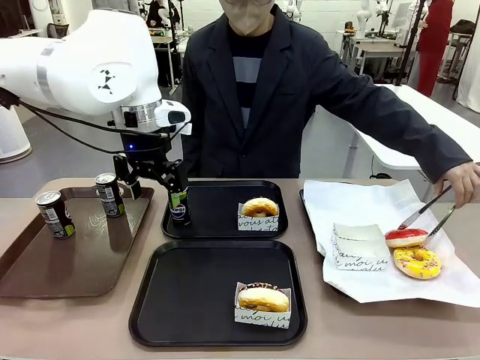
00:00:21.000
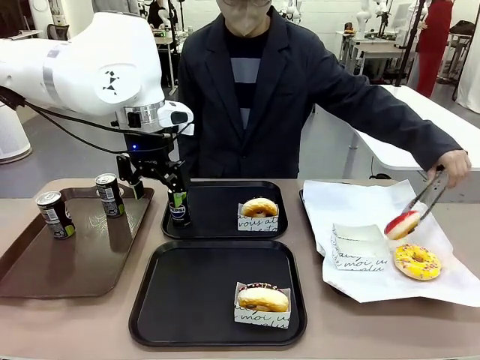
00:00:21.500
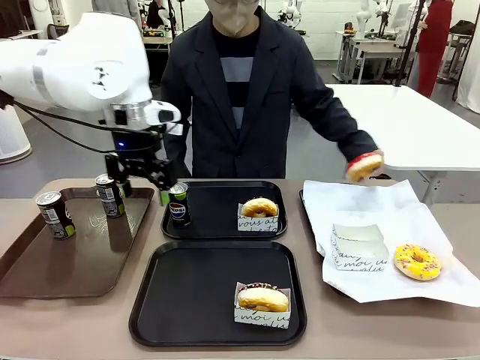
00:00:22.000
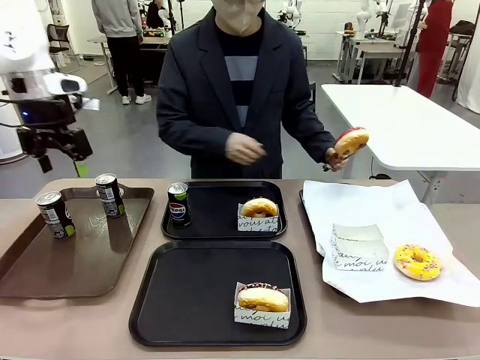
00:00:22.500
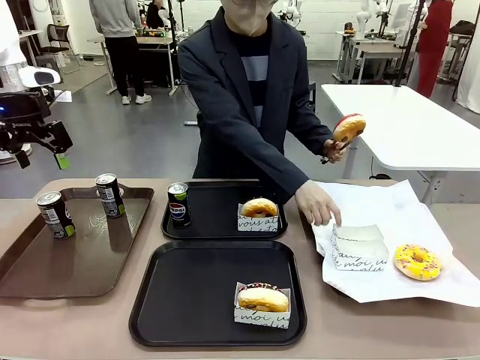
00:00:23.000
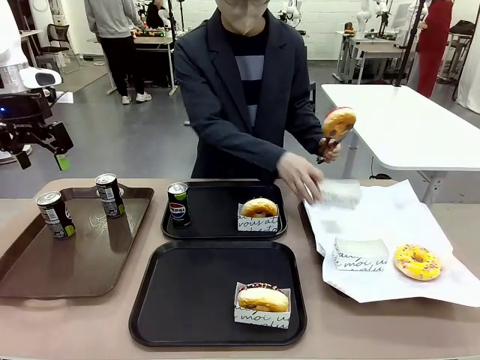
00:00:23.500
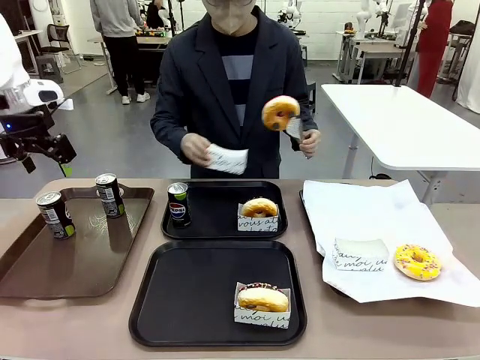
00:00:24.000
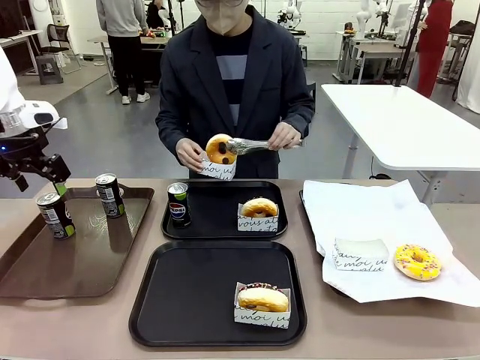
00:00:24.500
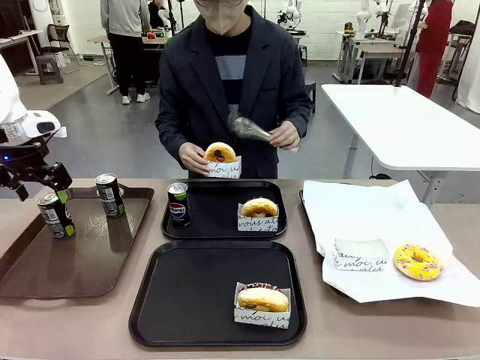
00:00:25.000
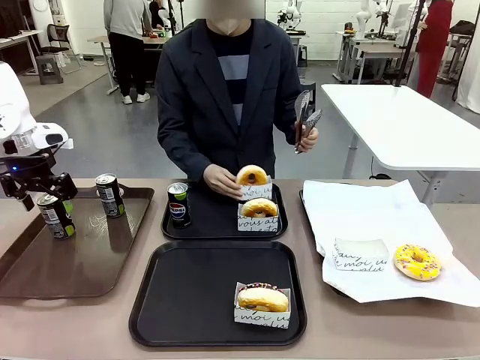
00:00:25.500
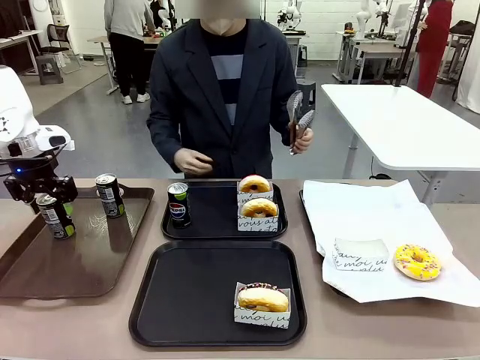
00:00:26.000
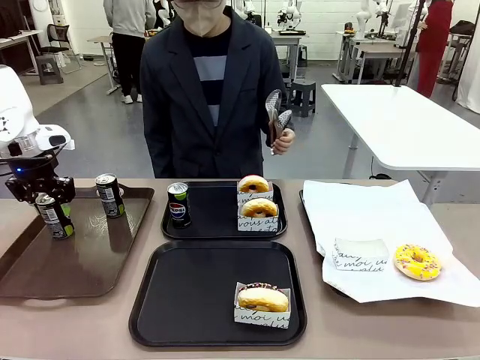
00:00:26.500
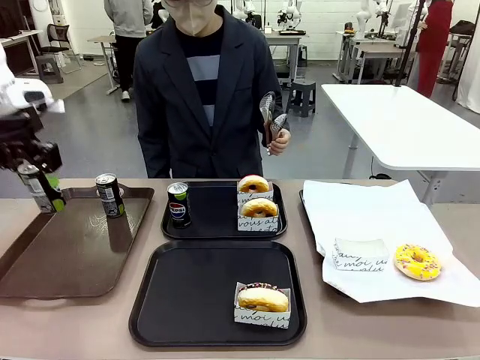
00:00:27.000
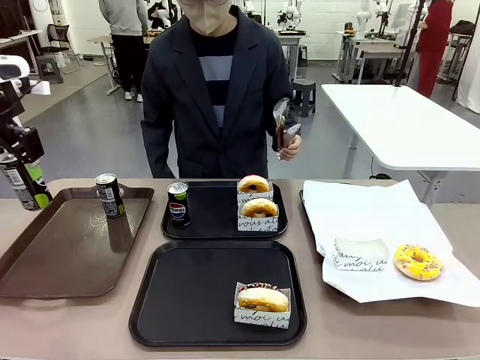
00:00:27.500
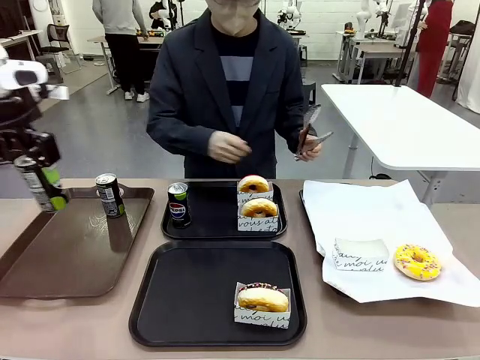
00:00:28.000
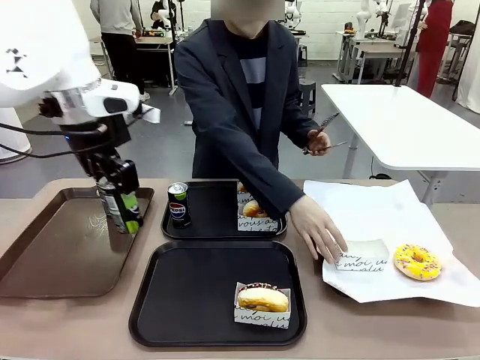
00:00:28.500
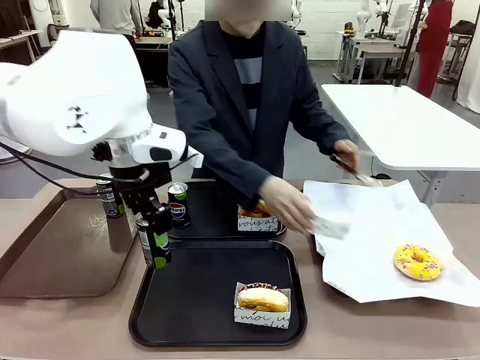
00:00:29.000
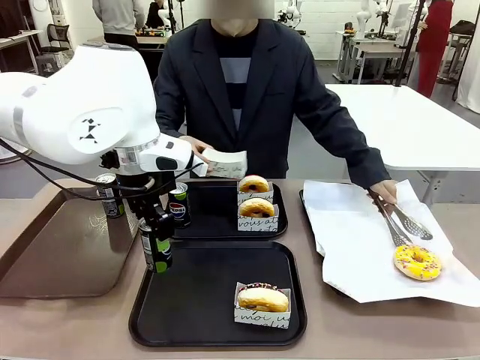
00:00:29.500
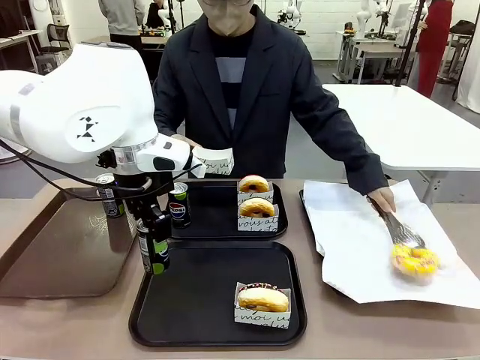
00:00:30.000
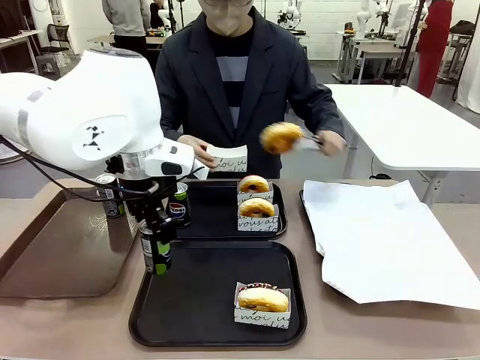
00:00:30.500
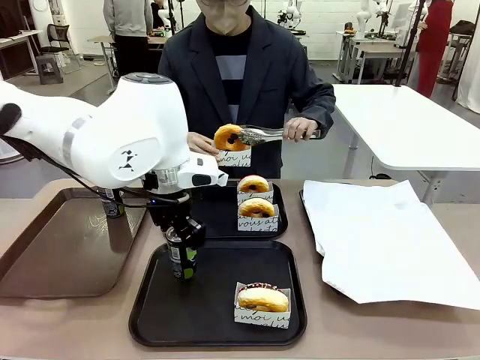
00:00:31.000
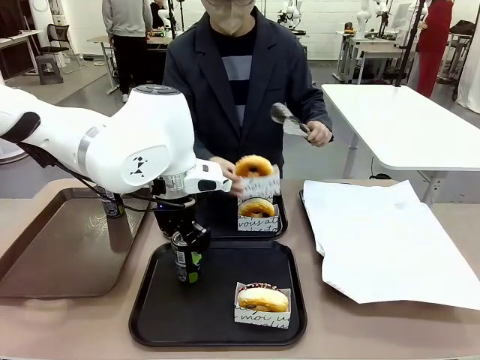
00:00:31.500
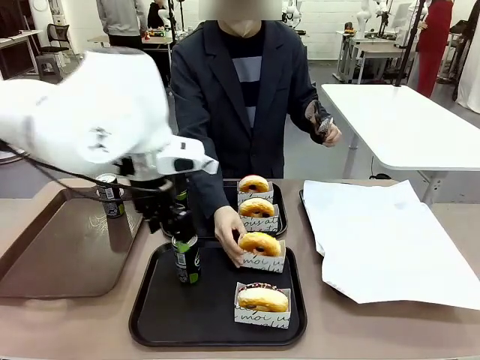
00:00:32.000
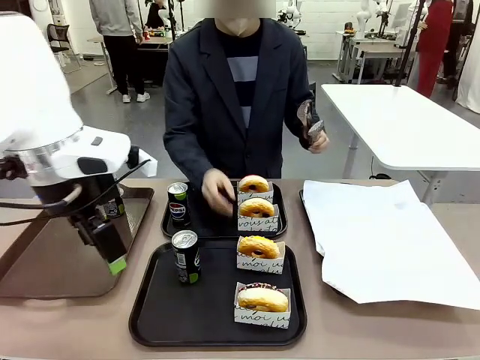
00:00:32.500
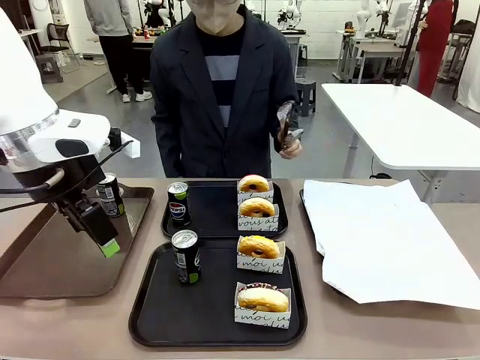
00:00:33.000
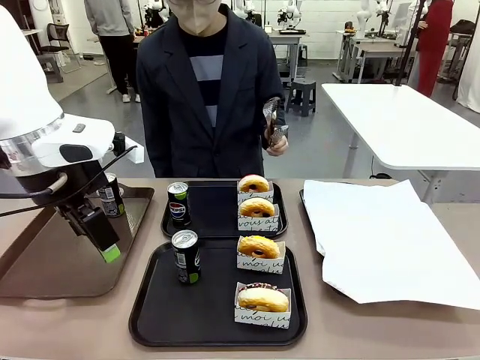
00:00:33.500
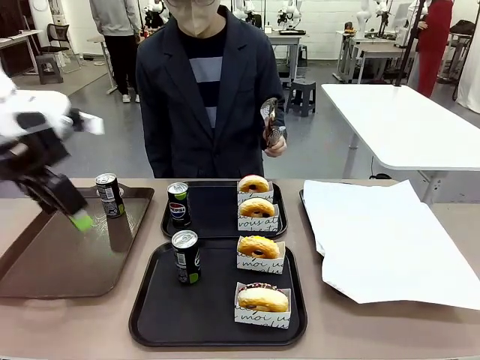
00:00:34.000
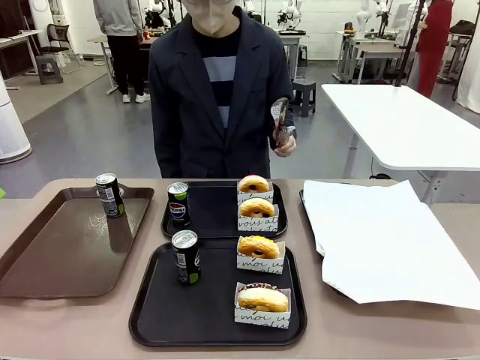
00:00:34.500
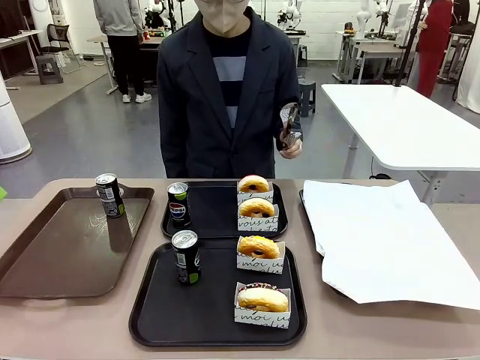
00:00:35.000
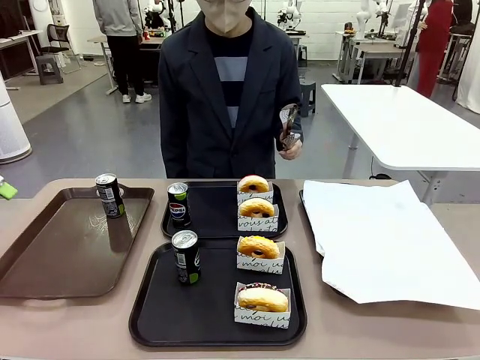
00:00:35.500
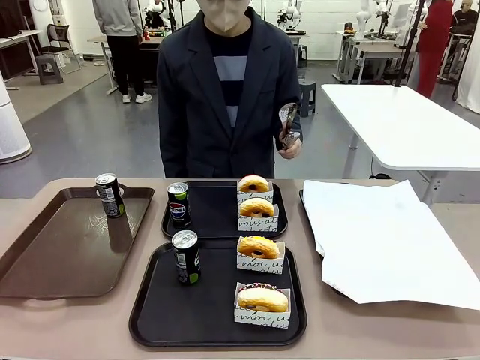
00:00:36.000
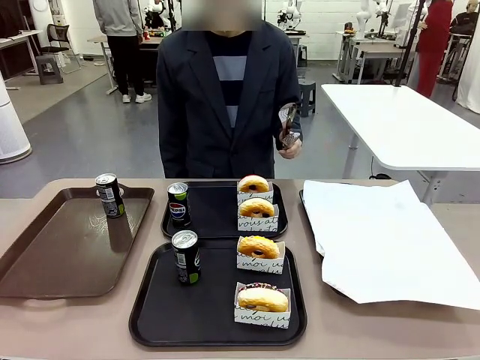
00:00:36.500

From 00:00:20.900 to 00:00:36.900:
Task: Set up donuts and drinks on trays.
Robot: Pick up one Pepsi coke from the Handle tray and place it on the Flat Tray without a Pepsi coke.

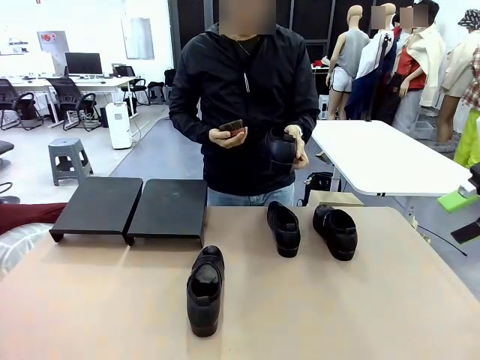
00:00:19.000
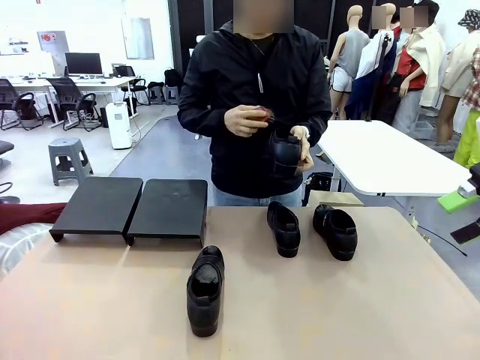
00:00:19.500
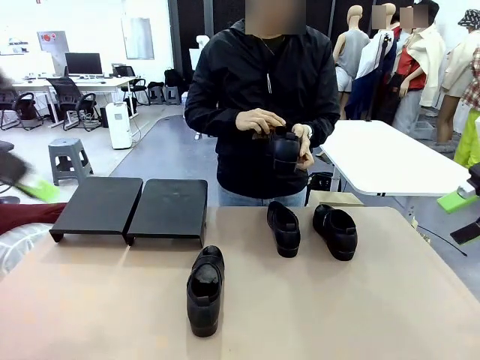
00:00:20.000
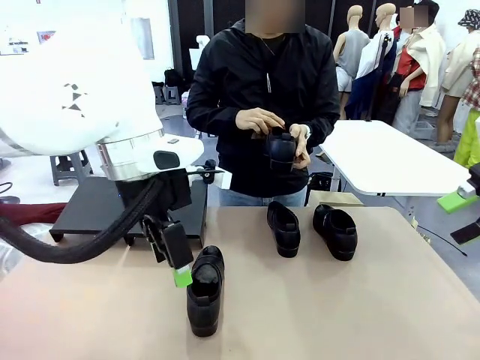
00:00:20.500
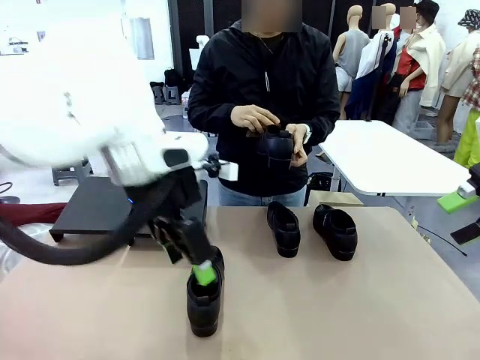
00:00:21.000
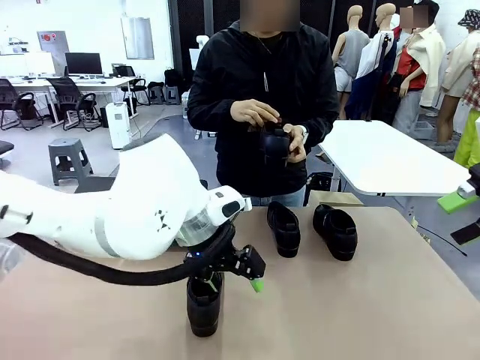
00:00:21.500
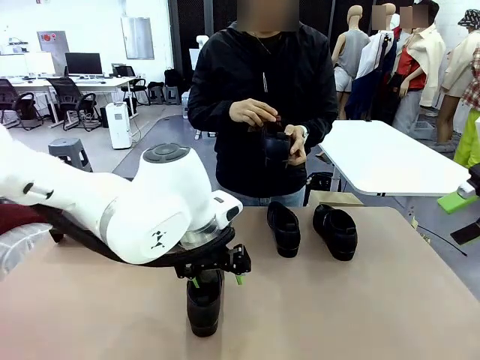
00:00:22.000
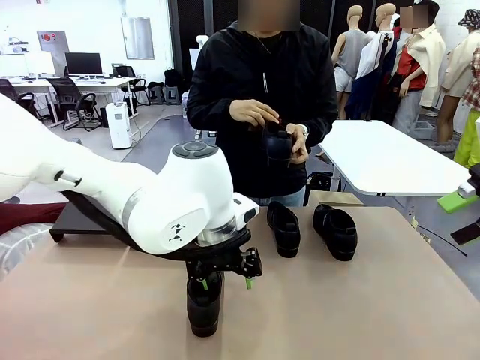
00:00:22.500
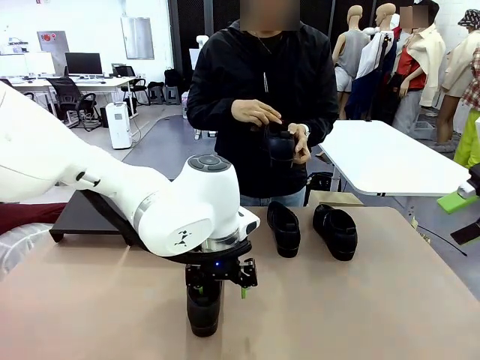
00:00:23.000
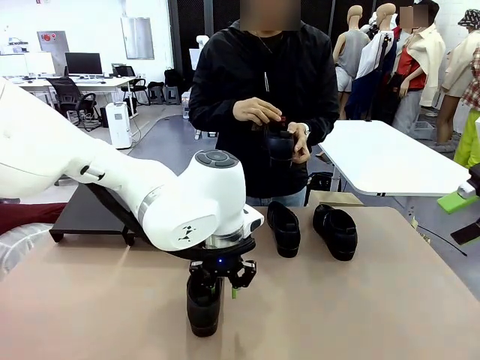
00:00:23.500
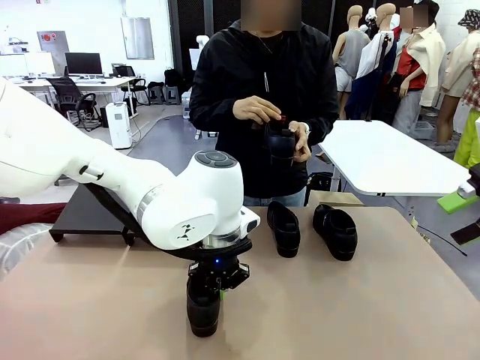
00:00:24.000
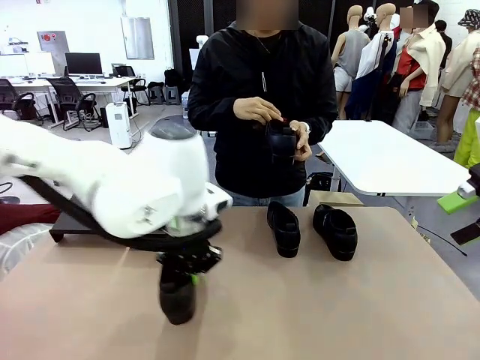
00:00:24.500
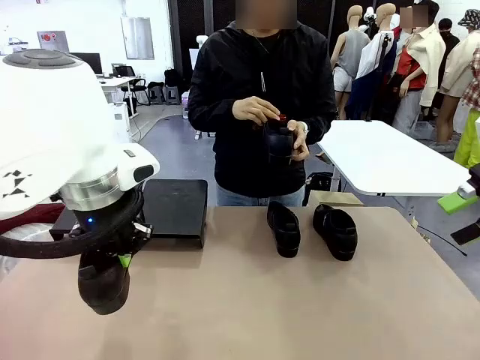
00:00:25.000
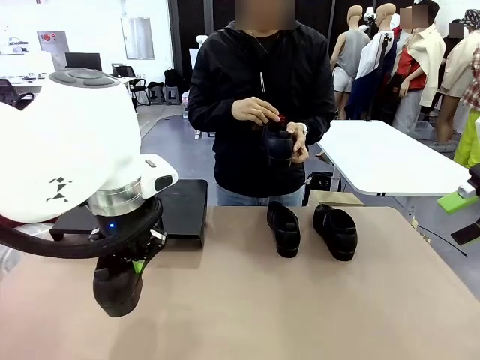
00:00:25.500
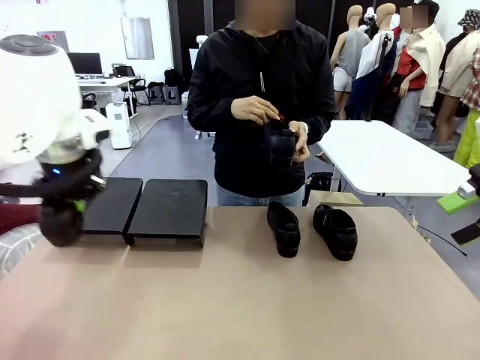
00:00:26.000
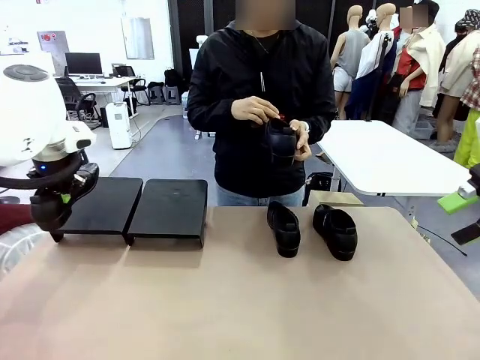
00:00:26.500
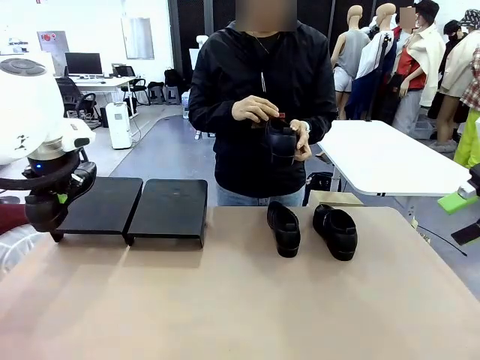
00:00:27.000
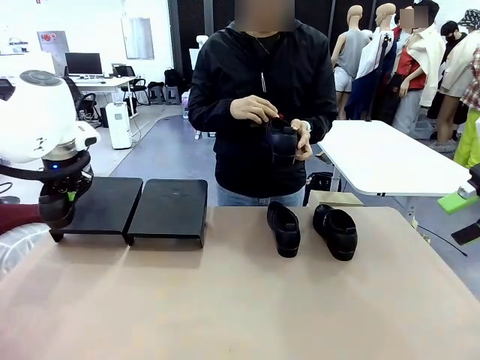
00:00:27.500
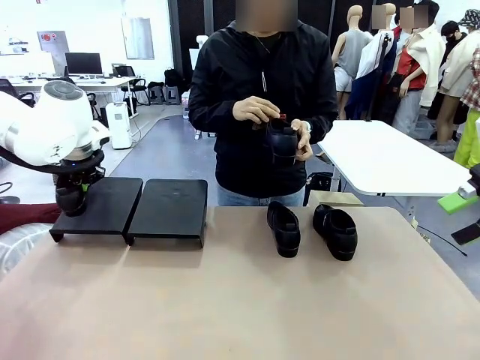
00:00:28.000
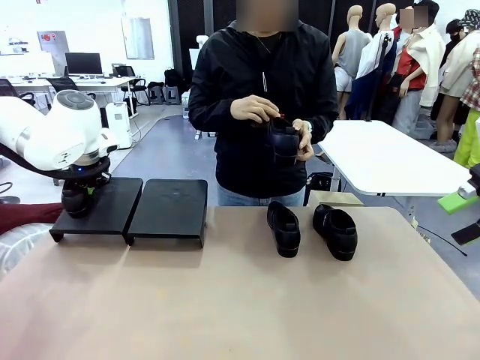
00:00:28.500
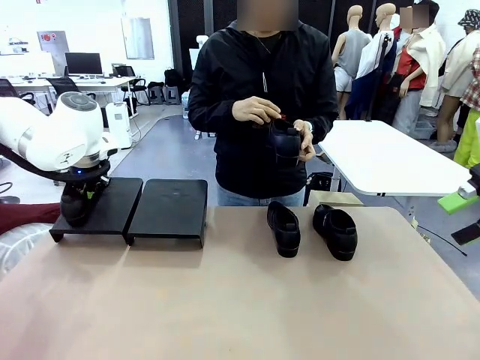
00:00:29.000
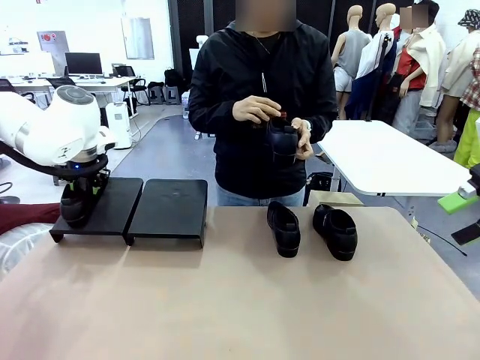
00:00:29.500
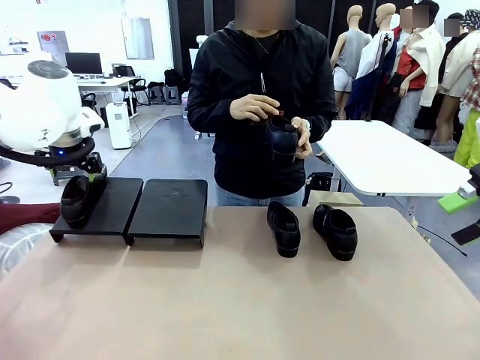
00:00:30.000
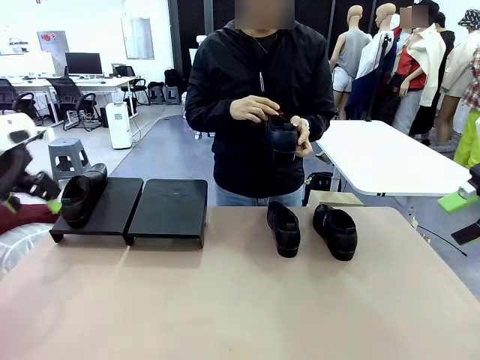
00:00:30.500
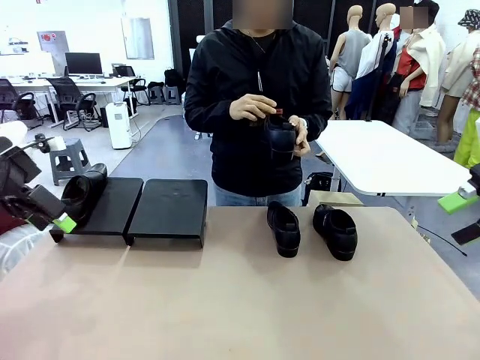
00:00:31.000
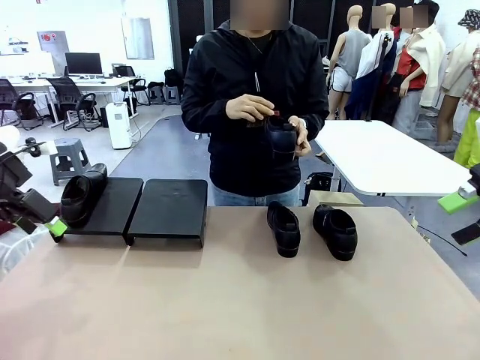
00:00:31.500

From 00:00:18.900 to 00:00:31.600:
Task: Organize the shoes by placing them on the stand.
Robot: Place the Shoe from the middle of the table onto the Shoes Stand.
Person: Clean the Shoe with the Shoe Brush.
